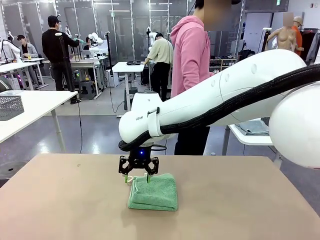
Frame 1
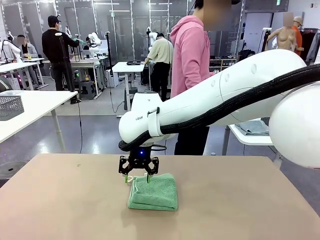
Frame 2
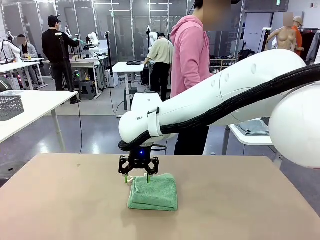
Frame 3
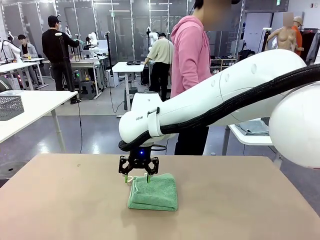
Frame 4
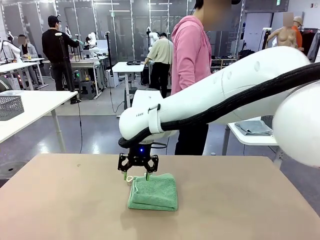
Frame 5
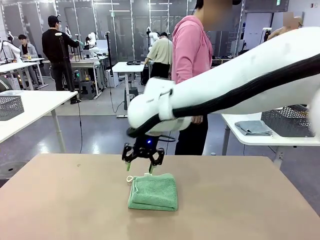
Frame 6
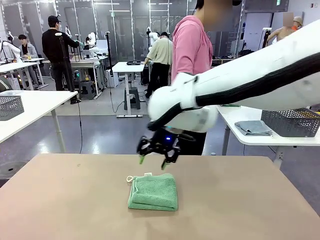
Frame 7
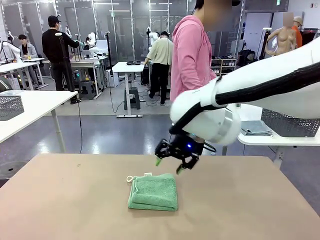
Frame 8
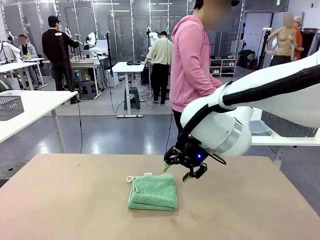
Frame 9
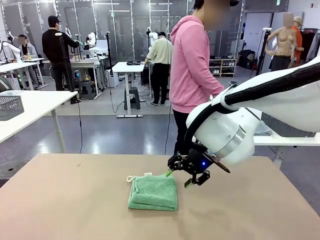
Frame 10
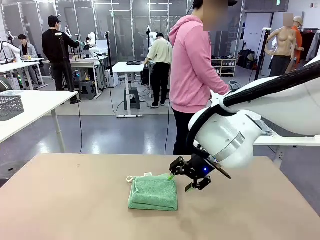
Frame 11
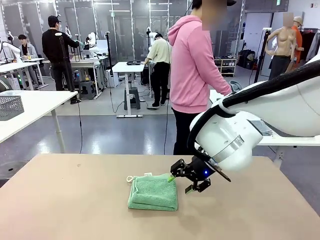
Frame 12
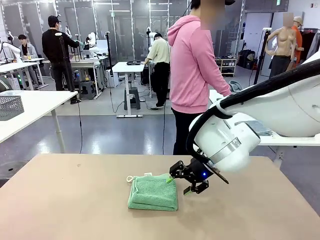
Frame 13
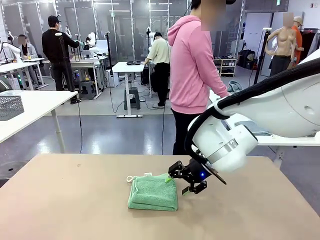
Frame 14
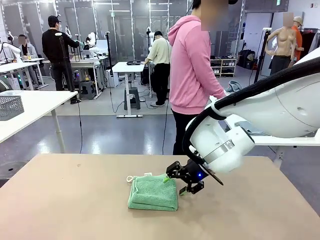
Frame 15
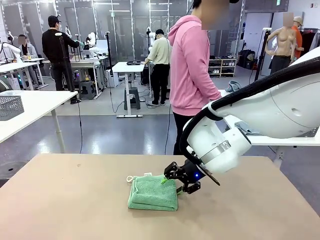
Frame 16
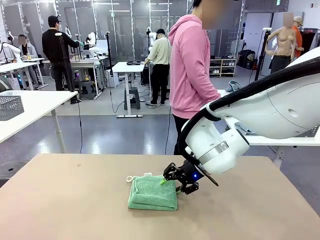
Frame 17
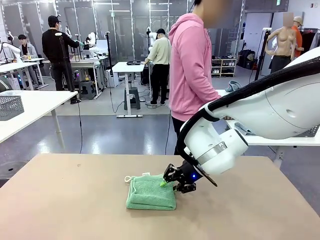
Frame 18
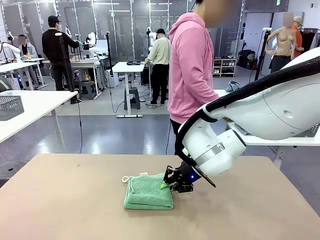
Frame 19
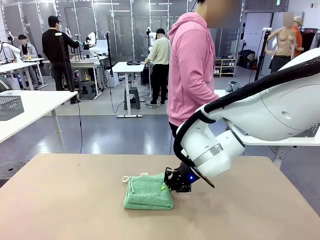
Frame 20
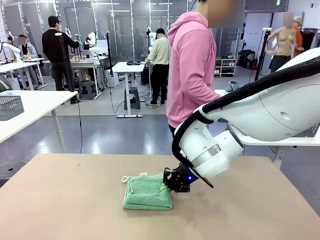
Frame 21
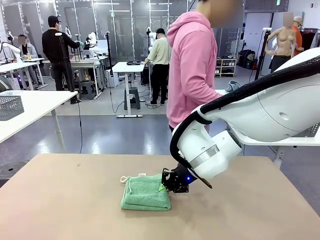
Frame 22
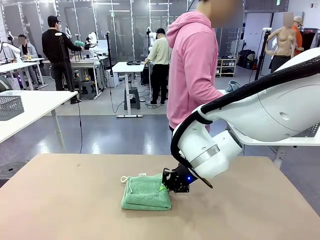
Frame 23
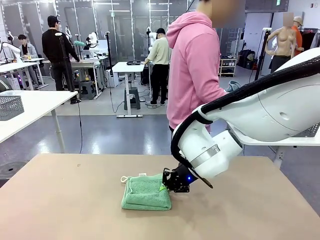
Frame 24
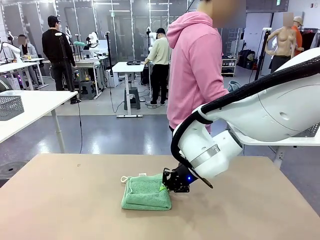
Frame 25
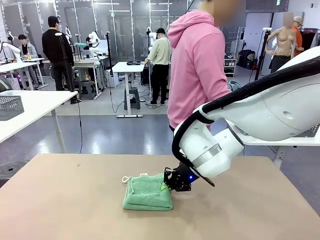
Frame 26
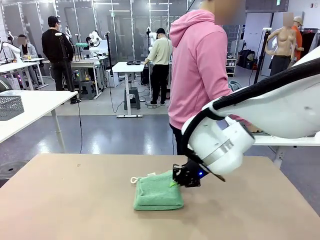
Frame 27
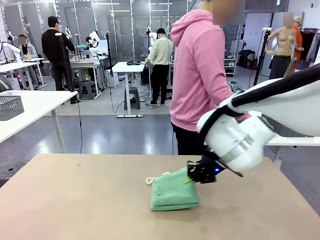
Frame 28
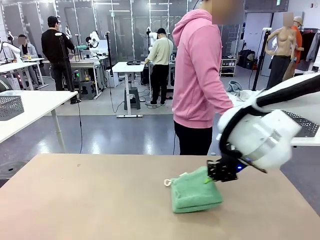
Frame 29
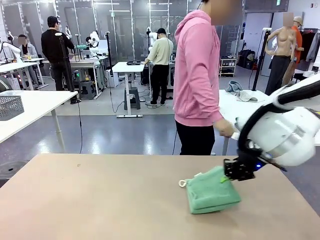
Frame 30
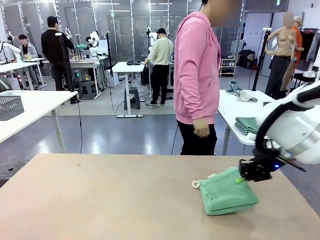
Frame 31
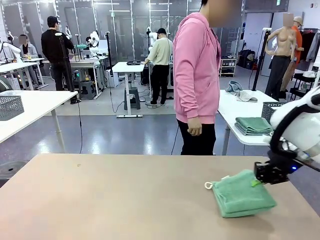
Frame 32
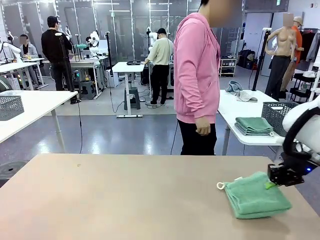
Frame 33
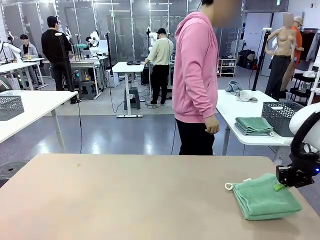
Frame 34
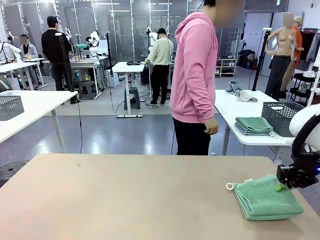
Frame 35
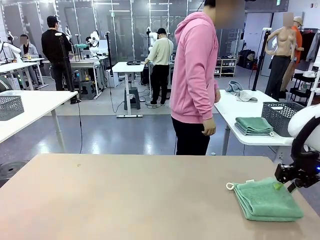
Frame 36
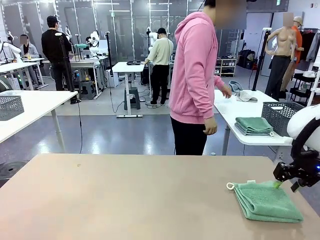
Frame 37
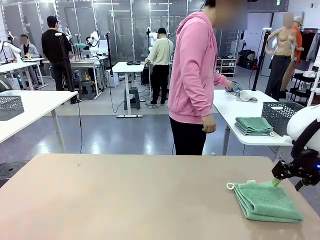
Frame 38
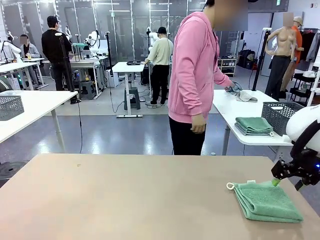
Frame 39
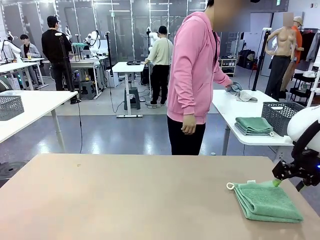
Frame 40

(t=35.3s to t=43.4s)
Task: Fold the towels and place them in the basket.
Robot: Place the folded Towel with hook on the right side of the table.

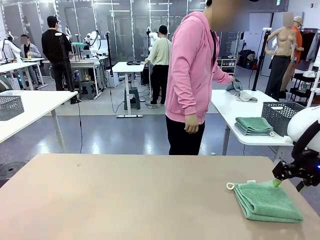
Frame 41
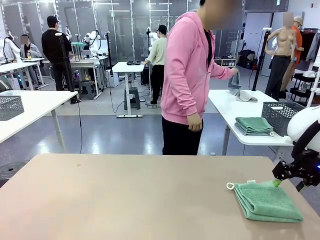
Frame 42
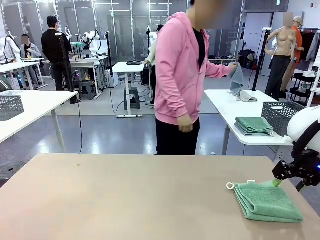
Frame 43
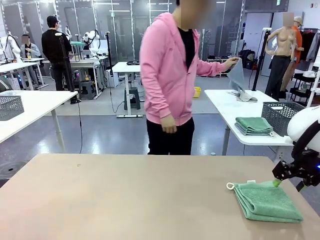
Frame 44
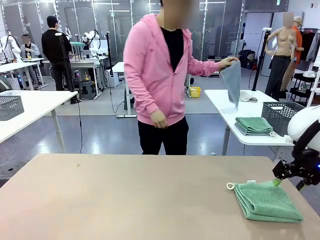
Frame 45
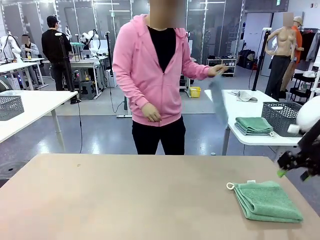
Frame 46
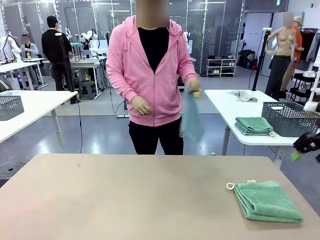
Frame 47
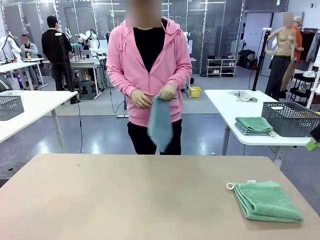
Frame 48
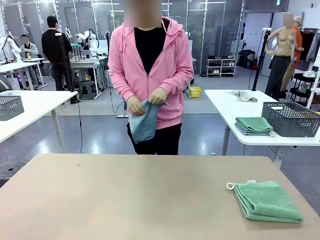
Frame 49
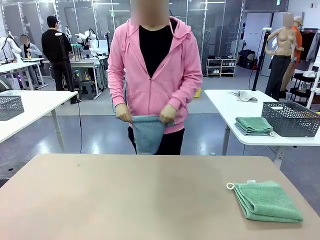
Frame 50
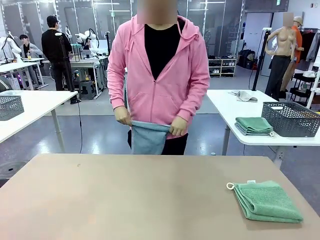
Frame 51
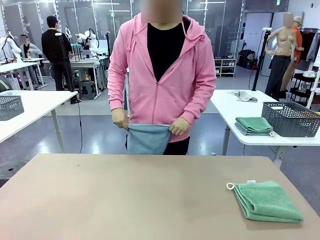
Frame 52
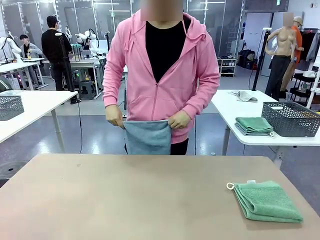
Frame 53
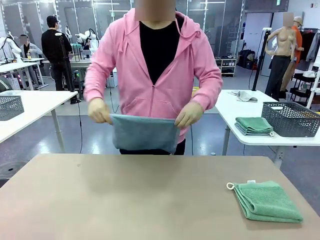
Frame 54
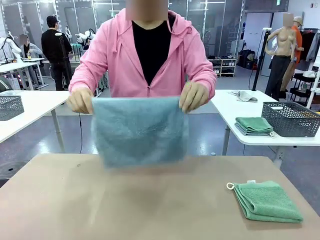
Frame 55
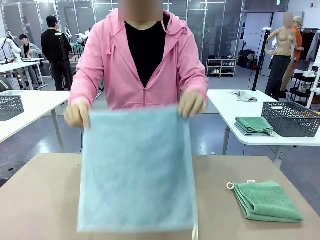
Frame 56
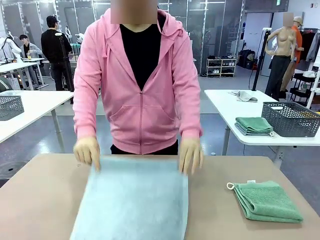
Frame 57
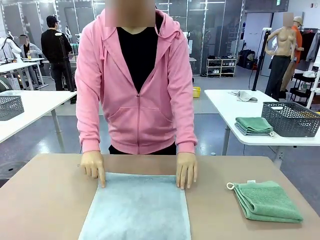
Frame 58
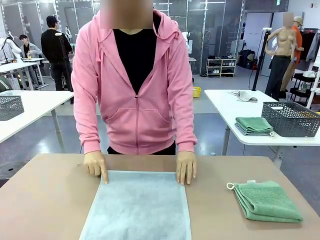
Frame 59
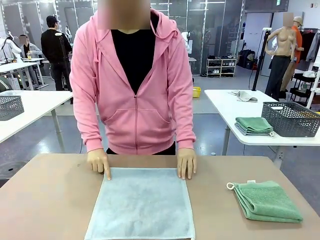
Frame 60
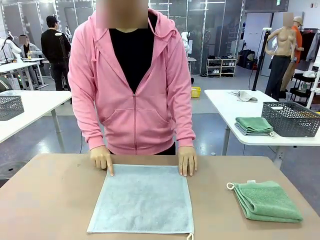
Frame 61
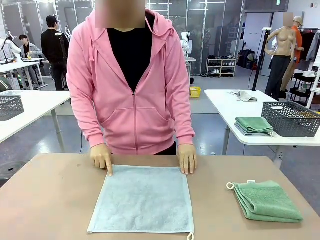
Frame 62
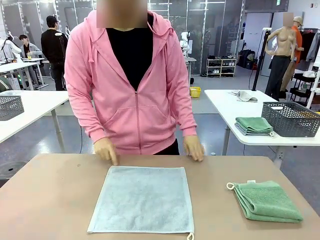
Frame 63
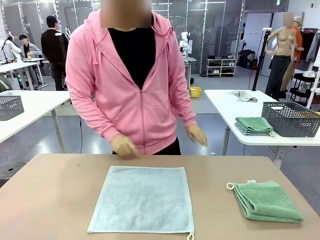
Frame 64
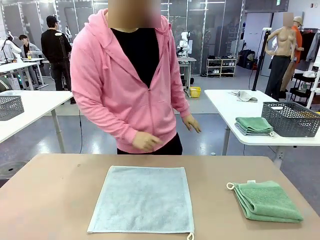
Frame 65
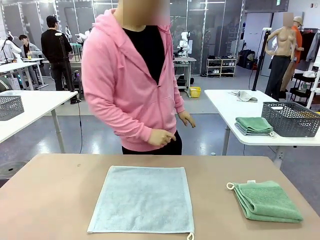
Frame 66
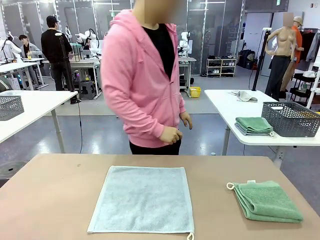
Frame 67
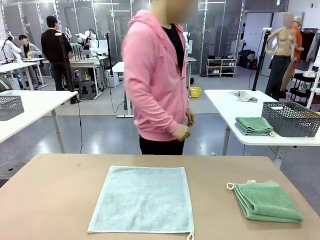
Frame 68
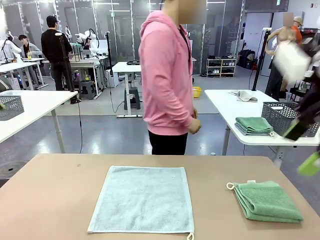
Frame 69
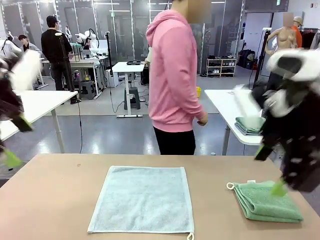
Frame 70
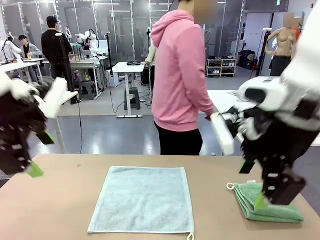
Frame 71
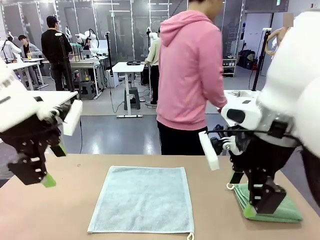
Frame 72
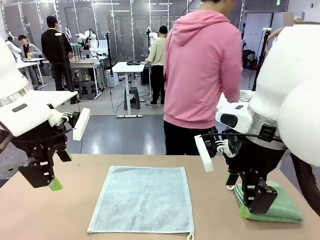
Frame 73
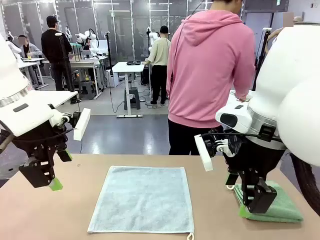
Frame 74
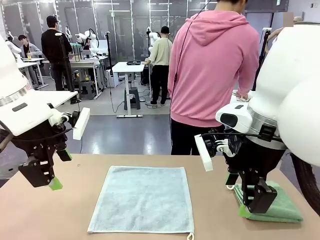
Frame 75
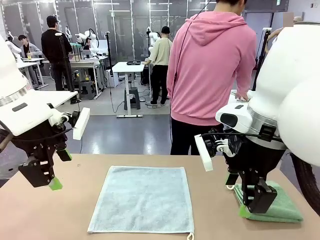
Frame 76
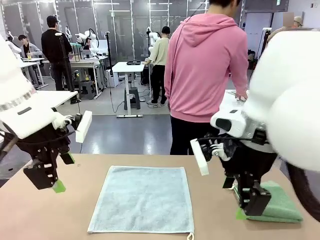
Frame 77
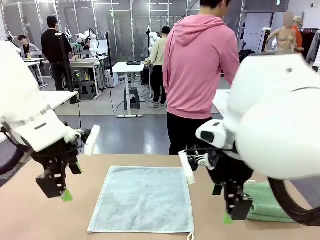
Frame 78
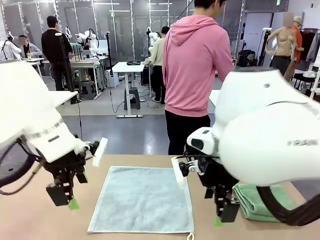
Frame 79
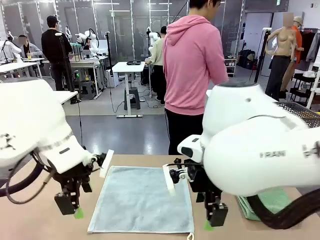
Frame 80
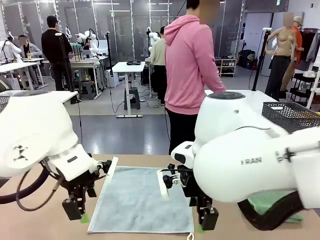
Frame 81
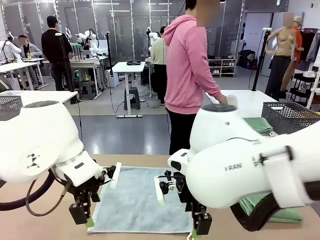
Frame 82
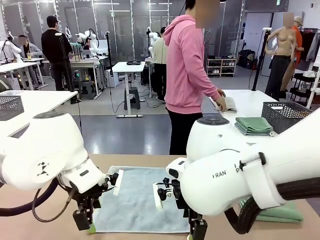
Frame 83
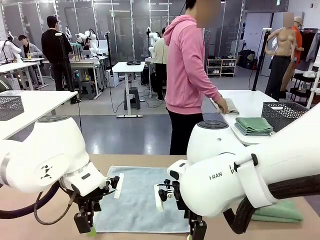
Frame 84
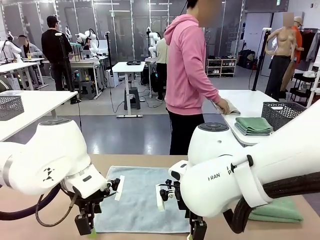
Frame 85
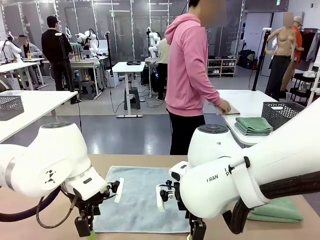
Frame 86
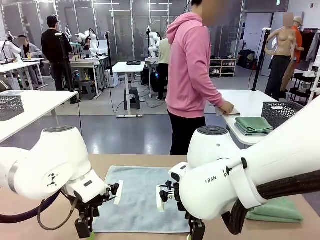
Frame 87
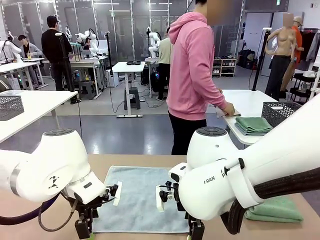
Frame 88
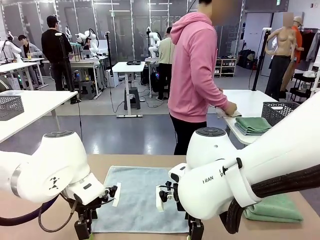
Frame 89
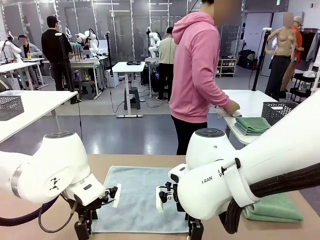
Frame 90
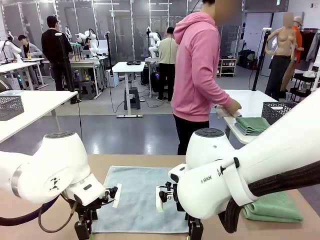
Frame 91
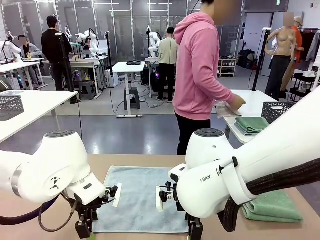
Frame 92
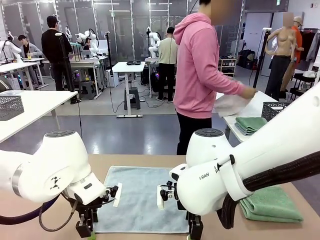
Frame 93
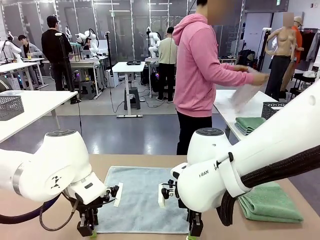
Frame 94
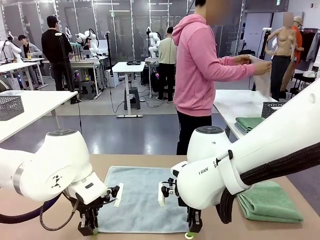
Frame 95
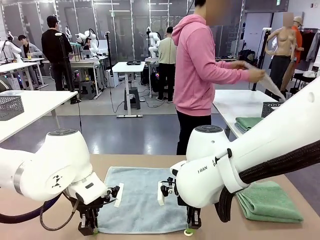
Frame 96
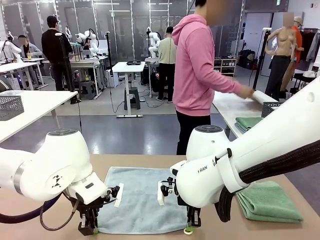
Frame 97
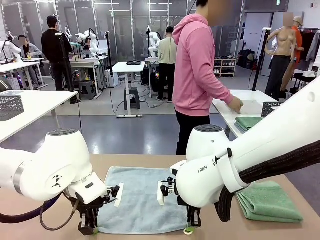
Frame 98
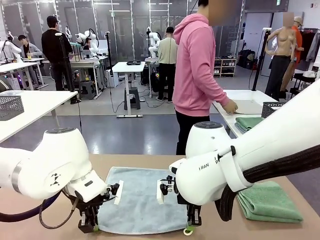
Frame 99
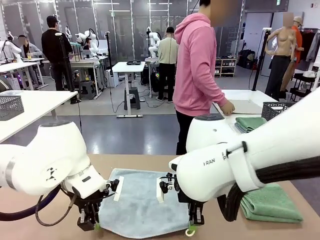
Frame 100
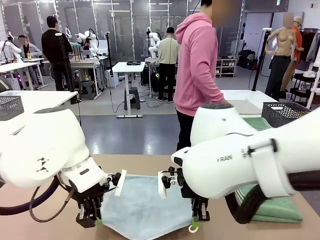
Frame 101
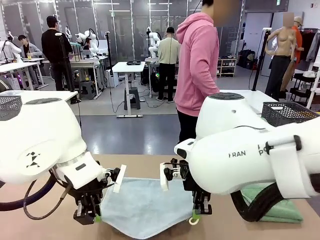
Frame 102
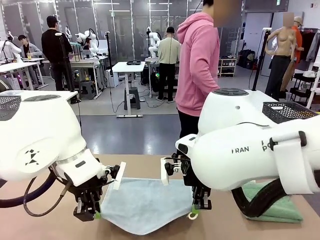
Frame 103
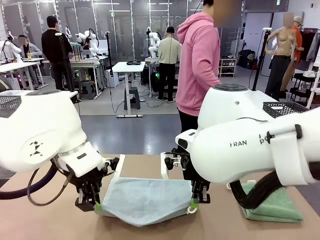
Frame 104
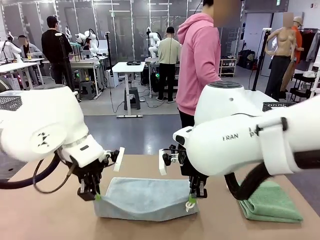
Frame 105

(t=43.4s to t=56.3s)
Robot: When a person lays out a Towel with hook on the table, fold it in half twice.
Person: Pick up one towel from the left side of the human table and spread it out at the center of the robot table. Pick up one towel from the left side of the human table, fold it in half twice, and stack it on the right side of the table.
